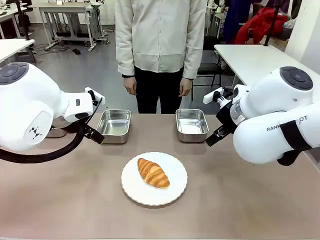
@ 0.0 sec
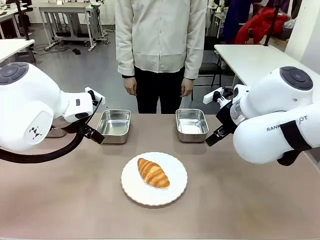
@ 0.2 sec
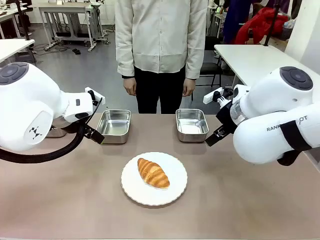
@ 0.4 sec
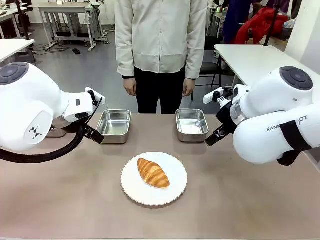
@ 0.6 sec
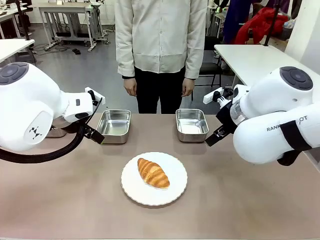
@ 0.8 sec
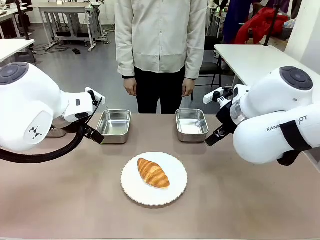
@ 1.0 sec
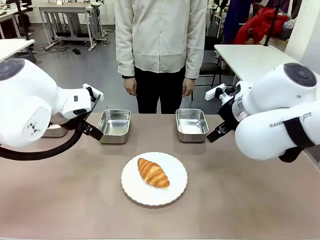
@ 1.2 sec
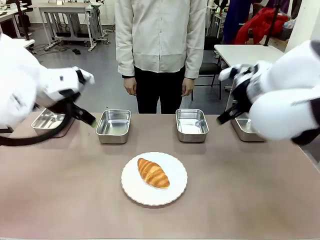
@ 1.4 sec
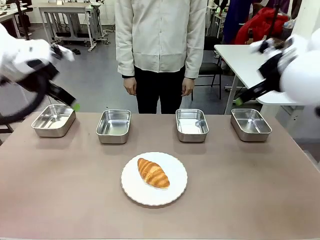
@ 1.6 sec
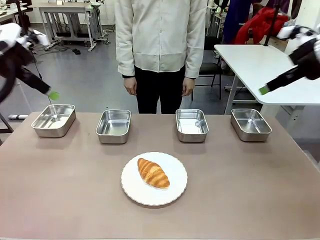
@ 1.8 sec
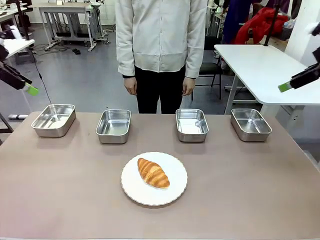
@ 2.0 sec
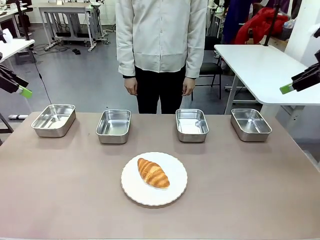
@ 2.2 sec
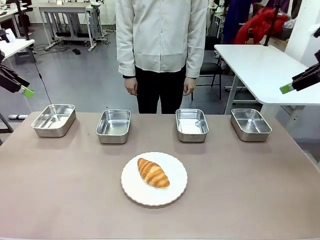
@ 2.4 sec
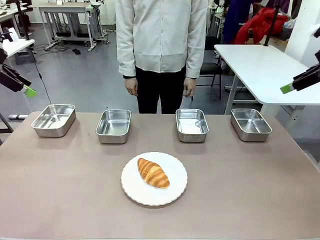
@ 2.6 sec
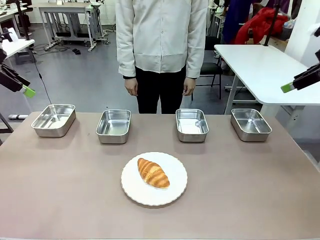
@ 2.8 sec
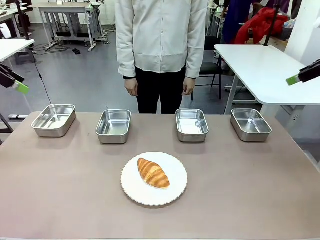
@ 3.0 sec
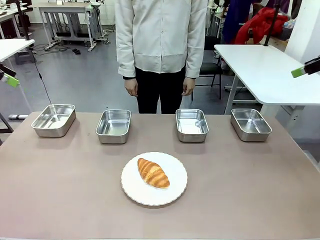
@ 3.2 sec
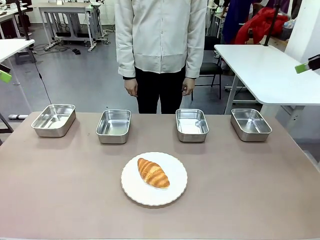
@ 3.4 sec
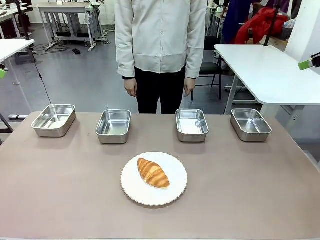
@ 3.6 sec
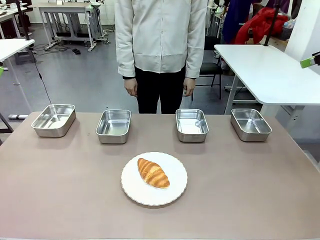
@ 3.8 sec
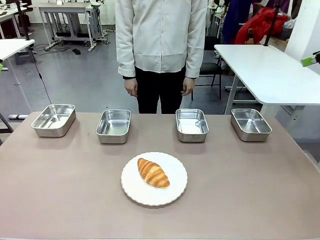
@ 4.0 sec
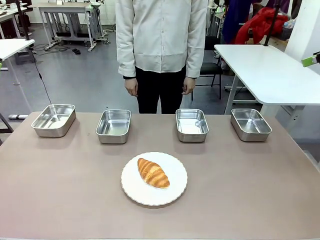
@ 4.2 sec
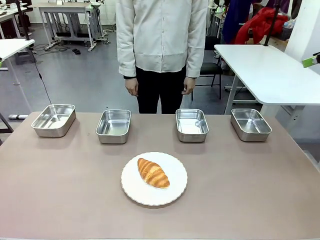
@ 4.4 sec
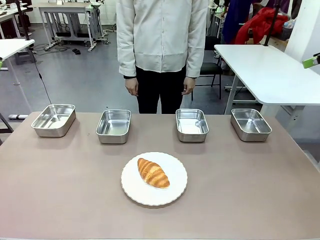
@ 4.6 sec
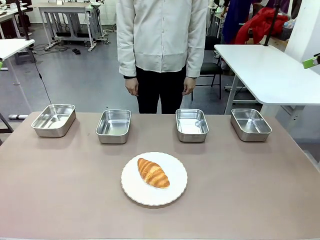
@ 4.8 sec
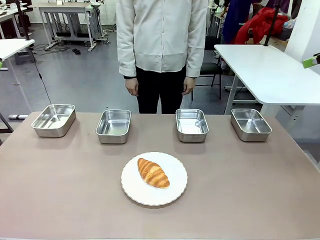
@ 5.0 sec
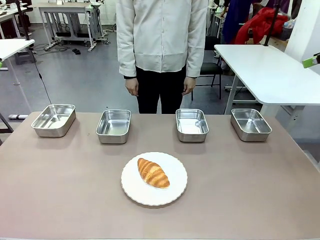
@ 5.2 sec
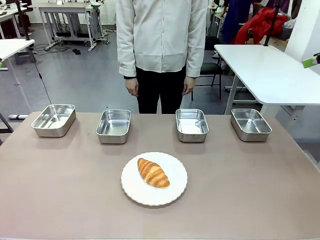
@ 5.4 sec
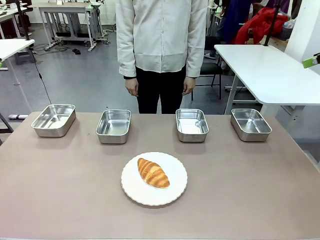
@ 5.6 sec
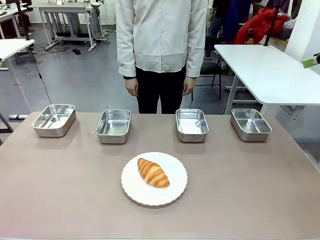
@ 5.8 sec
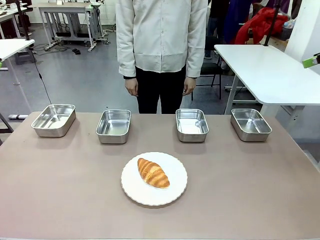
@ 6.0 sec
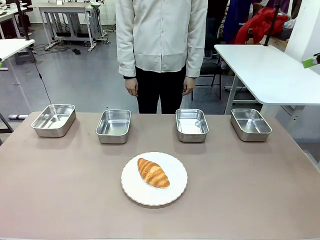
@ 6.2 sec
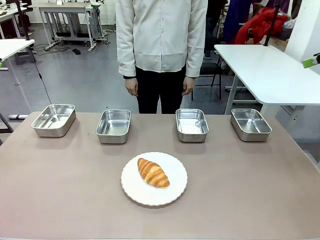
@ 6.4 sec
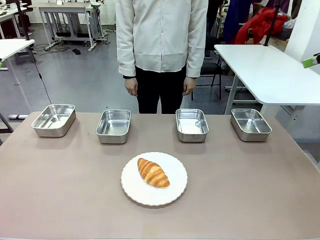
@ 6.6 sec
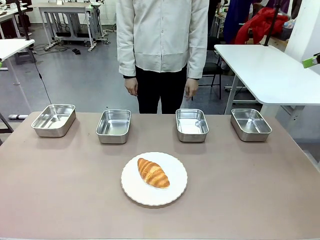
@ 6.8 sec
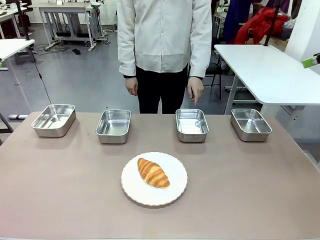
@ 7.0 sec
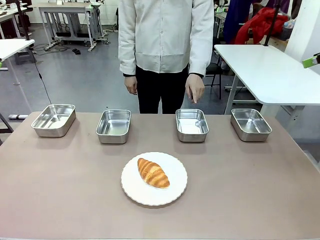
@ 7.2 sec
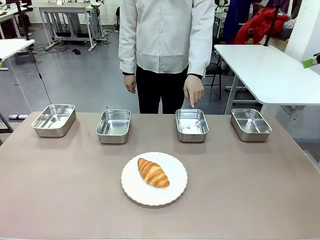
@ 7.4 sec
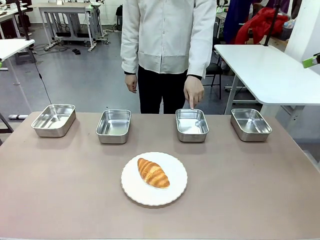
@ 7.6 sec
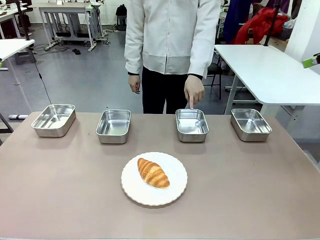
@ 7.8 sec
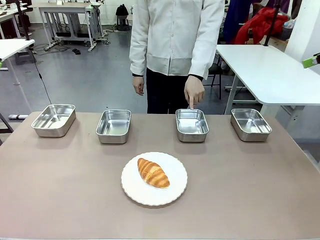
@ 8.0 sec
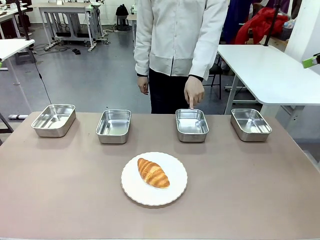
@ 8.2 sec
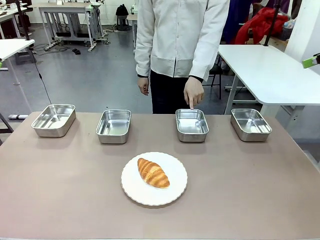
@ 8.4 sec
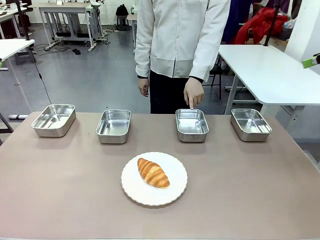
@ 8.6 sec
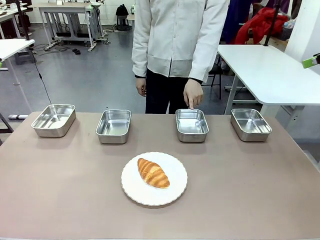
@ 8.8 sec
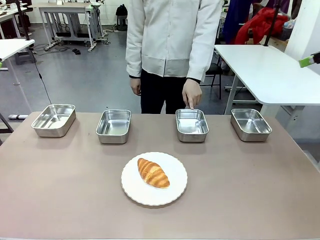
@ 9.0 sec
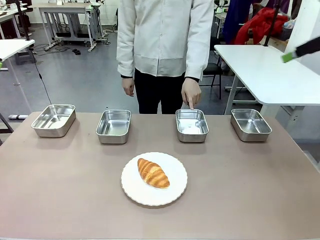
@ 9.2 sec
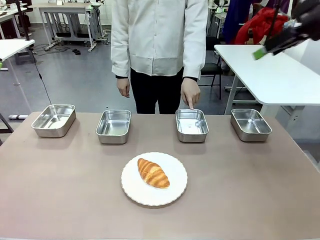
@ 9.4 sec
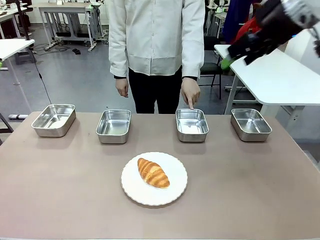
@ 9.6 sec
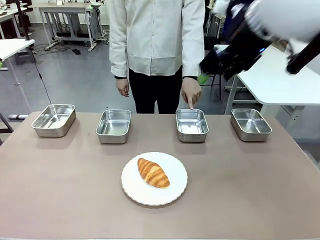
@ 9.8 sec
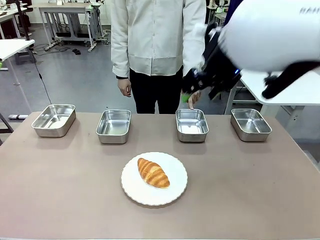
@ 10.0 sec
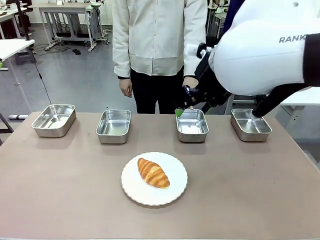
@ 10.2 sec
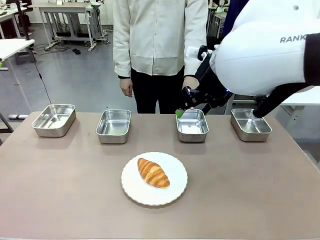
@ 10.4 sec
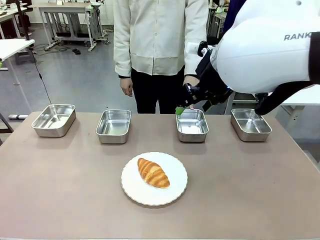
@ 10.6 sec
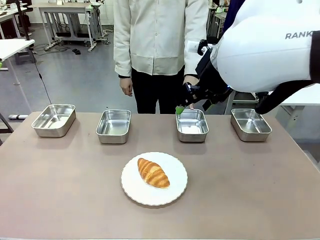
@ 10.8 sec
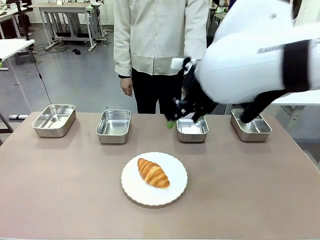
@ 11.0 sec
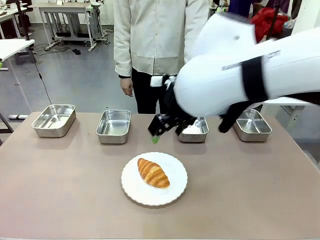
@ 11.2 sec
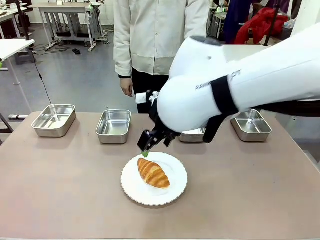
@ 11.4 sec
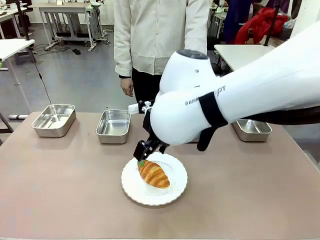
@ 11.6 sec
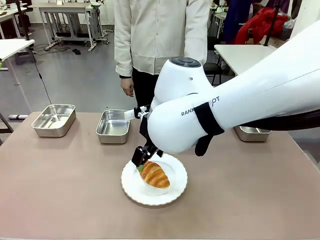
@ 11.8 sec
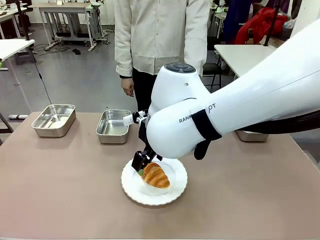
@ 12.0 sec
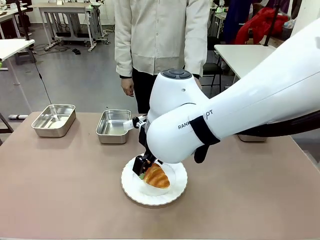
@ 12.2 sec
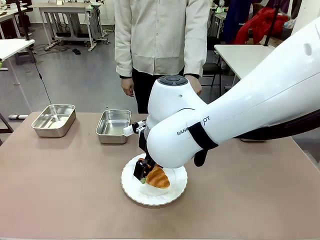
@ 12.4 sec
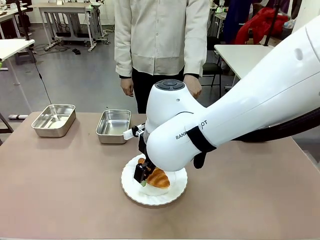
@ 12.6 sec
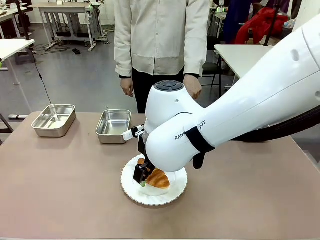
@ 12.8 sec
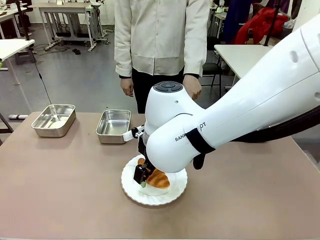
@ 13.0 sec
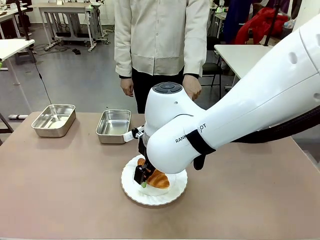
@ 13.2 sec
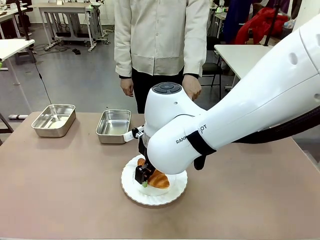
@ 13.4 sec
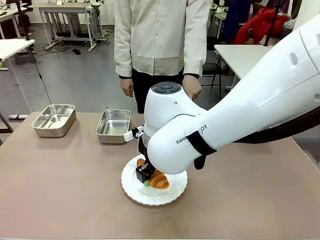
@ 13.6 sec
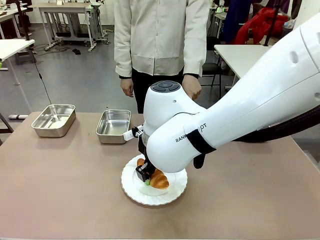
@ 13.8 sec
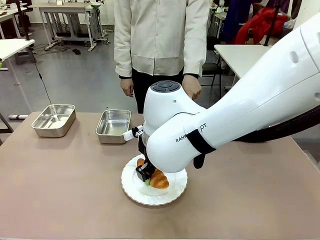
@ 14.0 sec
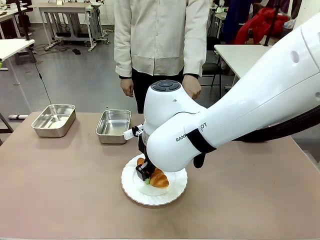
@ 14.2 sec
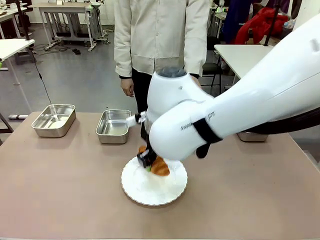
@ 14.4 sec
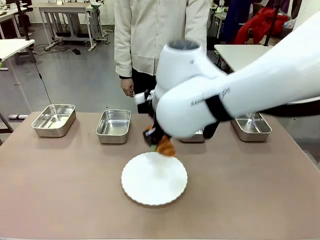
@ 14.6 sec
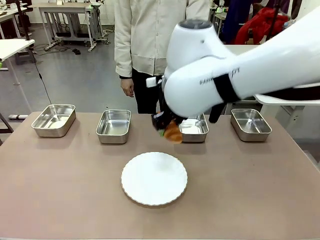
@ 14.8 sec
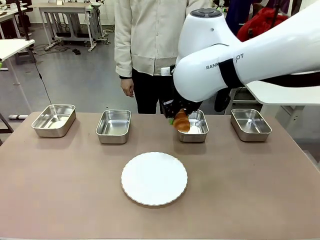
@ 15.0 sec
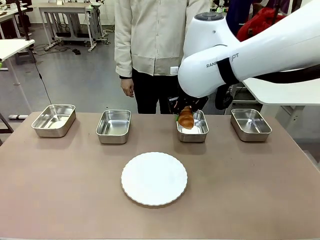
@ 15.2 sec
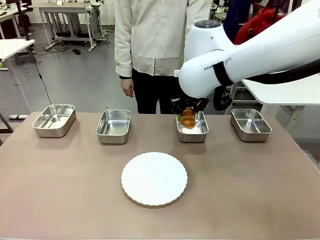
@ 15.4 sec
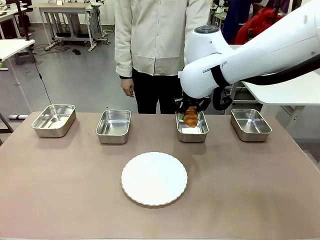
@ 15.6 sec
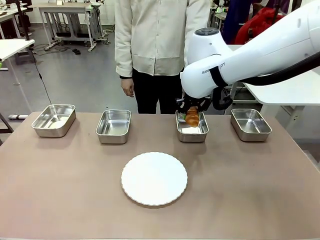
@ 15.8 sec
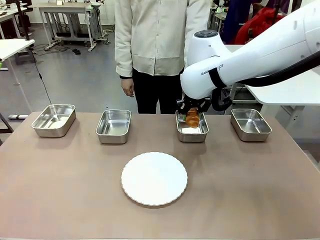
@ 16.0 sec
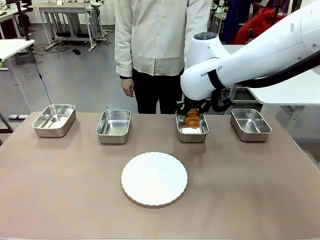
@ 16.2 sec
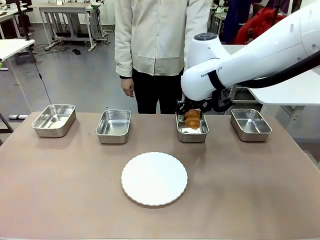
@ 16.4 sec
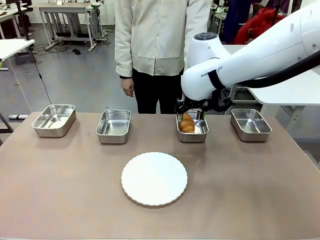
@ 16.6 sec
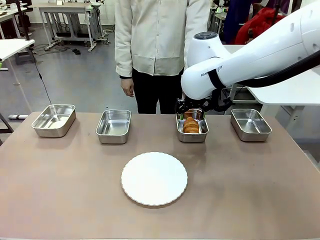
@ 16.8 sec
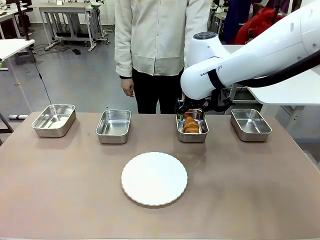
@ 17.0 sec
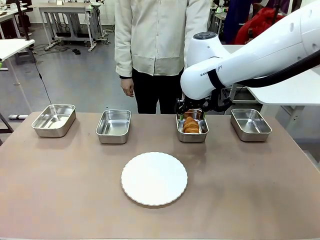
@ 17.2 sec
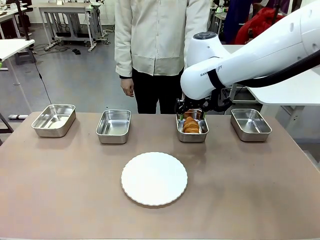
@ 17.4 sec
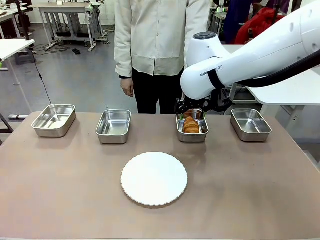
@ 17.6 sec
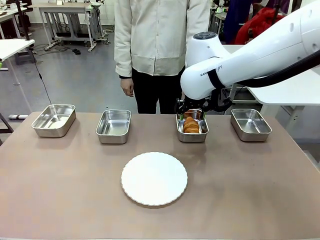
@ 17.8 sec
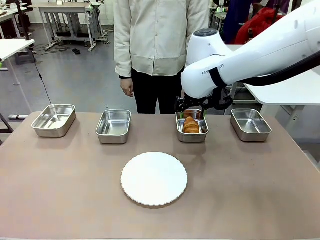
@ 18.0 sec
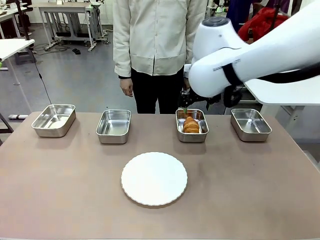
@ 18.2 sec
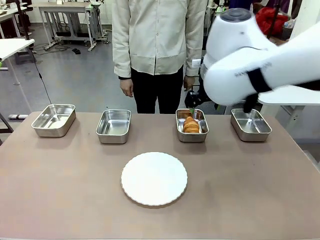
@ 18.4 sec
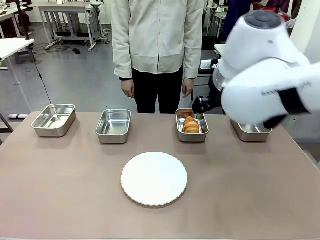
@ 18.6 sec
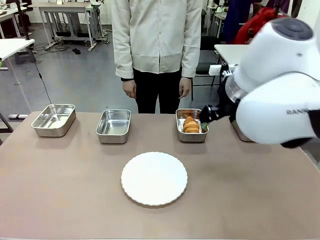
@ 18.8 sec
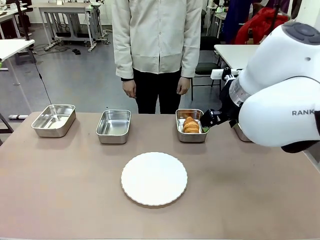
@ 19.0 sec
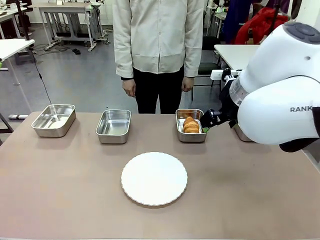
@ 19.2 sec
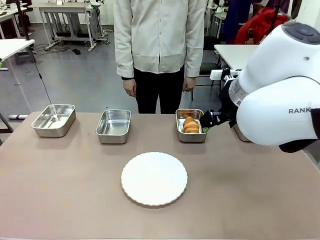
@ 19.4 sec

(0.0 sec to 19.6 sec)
Task: Place the bread in the container.
Robot: Place the Butter Roll into the Airtight Container indicated by the human.
Person: A person randomly selects and points to an Airtight Container.
